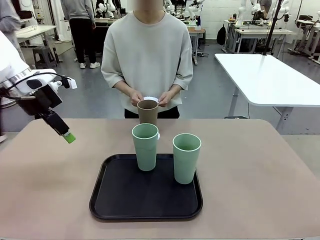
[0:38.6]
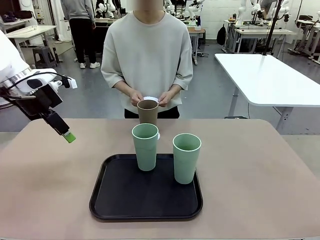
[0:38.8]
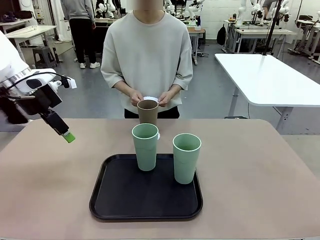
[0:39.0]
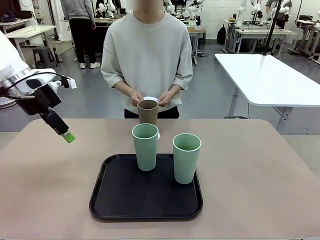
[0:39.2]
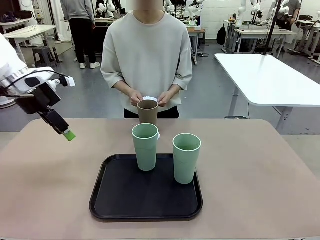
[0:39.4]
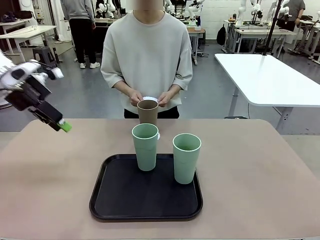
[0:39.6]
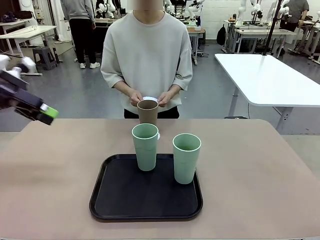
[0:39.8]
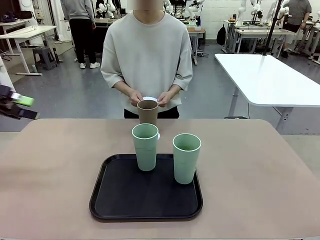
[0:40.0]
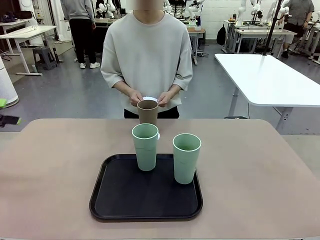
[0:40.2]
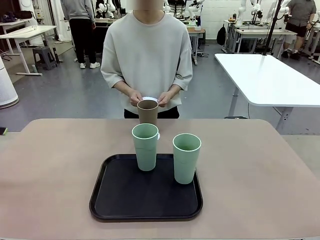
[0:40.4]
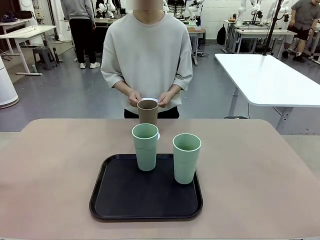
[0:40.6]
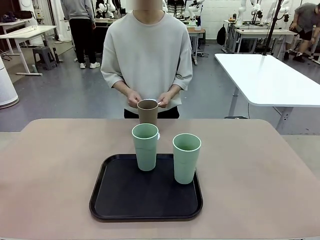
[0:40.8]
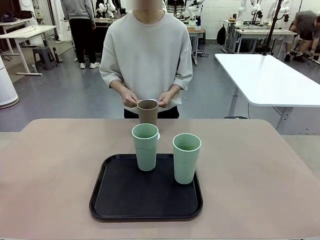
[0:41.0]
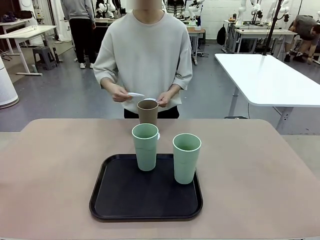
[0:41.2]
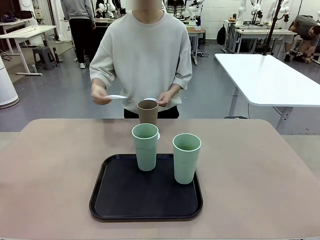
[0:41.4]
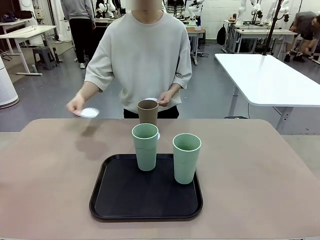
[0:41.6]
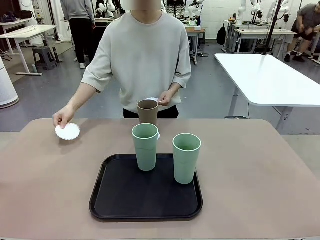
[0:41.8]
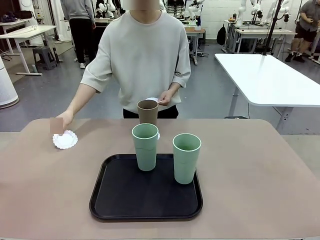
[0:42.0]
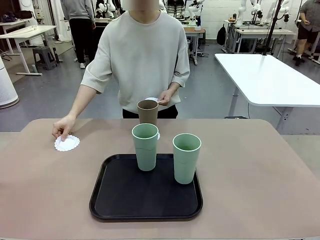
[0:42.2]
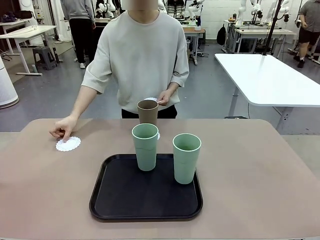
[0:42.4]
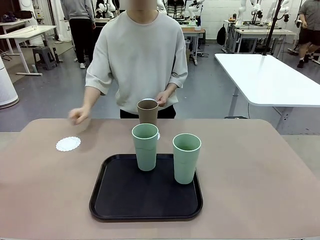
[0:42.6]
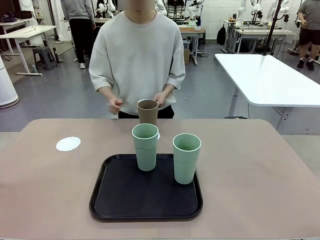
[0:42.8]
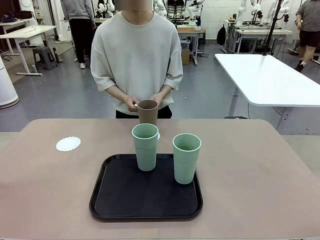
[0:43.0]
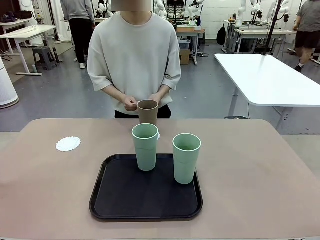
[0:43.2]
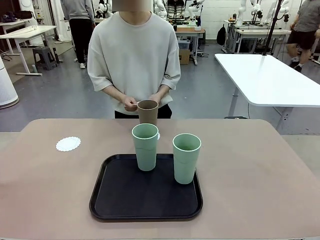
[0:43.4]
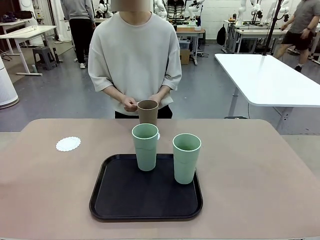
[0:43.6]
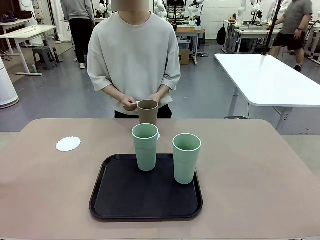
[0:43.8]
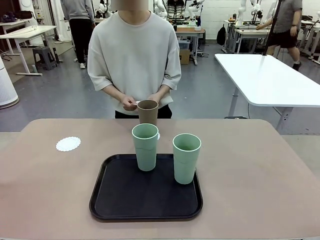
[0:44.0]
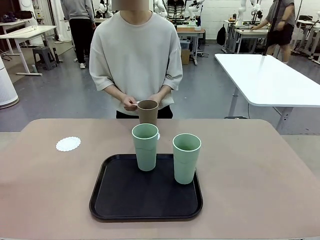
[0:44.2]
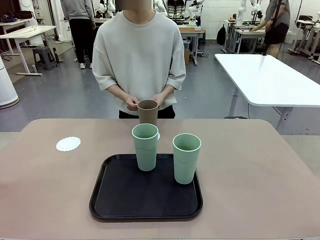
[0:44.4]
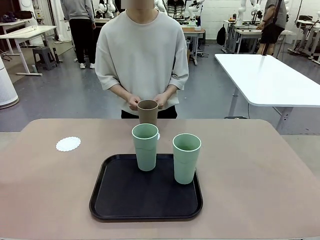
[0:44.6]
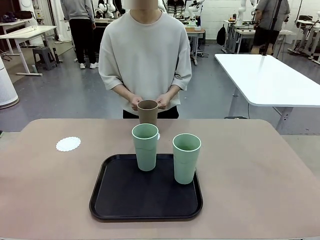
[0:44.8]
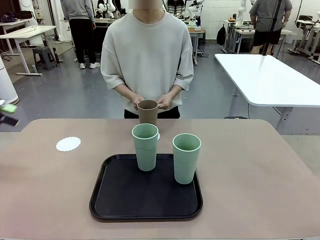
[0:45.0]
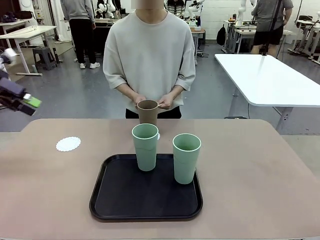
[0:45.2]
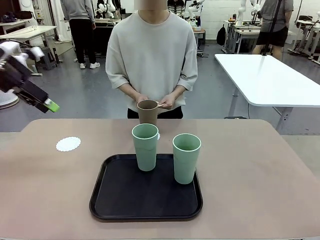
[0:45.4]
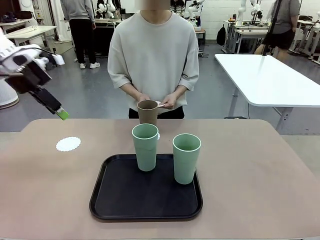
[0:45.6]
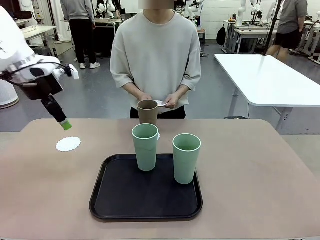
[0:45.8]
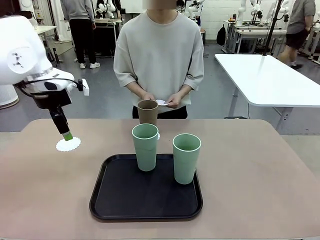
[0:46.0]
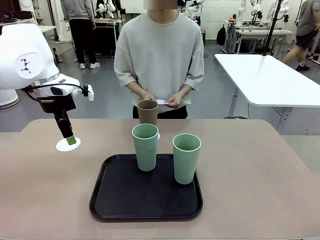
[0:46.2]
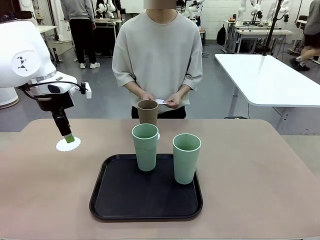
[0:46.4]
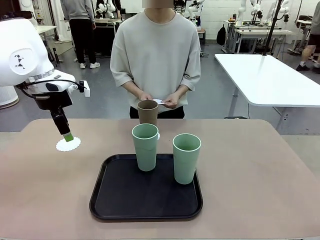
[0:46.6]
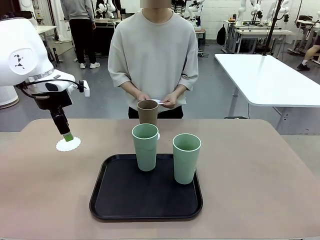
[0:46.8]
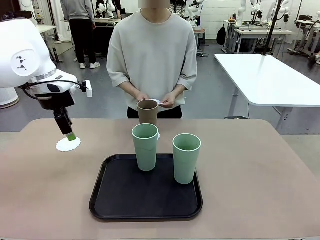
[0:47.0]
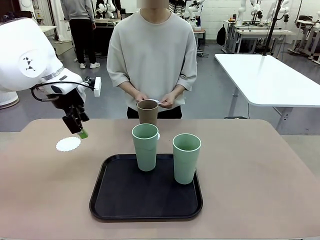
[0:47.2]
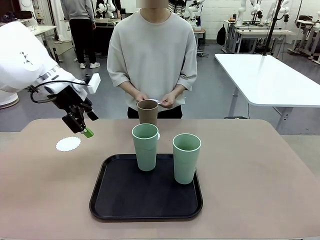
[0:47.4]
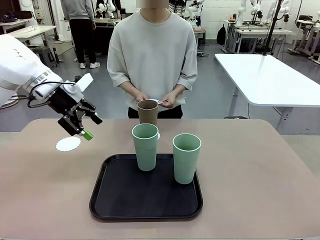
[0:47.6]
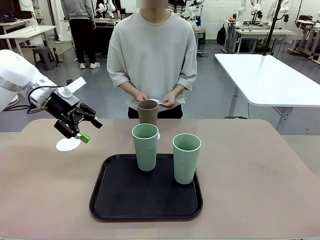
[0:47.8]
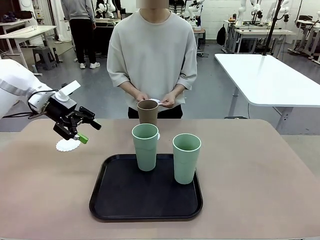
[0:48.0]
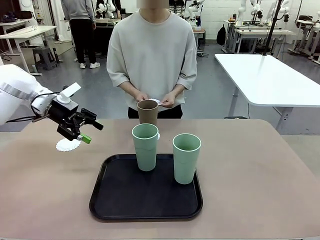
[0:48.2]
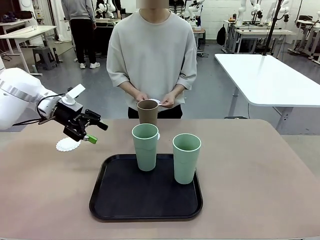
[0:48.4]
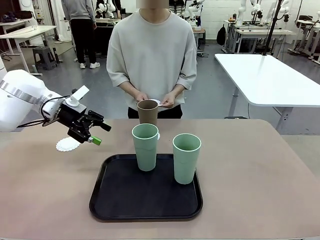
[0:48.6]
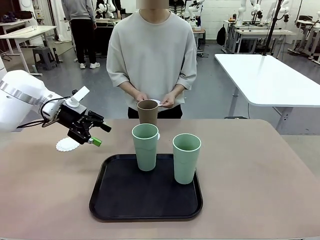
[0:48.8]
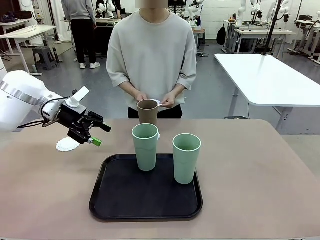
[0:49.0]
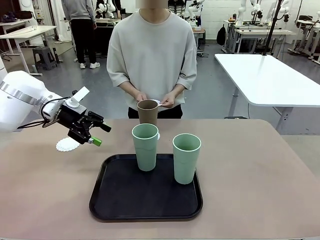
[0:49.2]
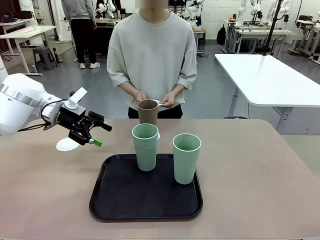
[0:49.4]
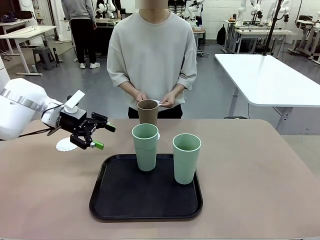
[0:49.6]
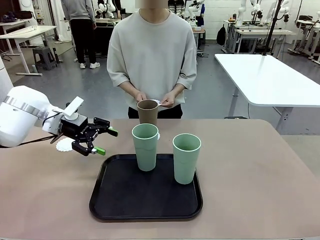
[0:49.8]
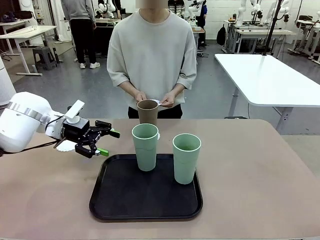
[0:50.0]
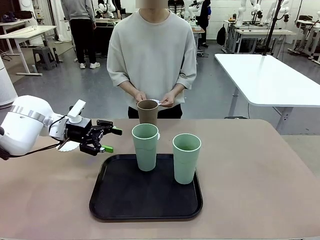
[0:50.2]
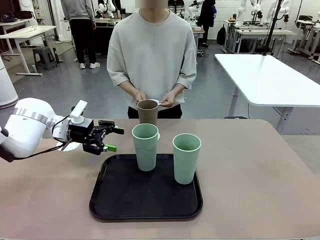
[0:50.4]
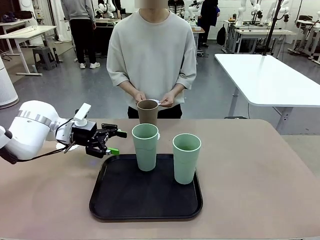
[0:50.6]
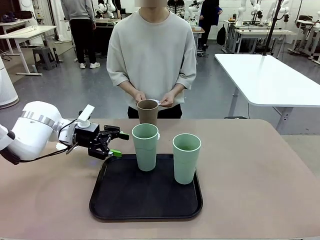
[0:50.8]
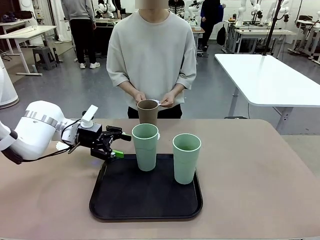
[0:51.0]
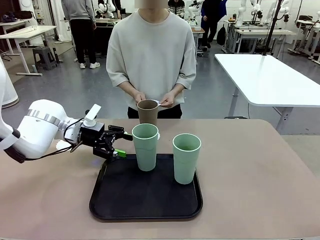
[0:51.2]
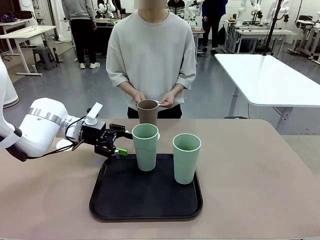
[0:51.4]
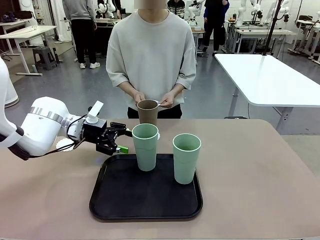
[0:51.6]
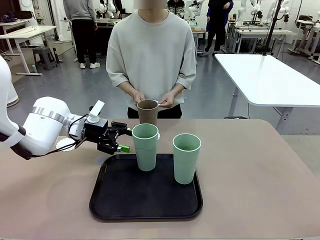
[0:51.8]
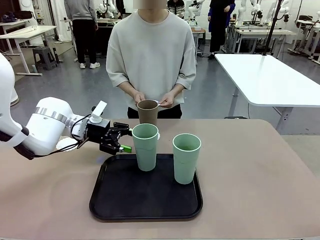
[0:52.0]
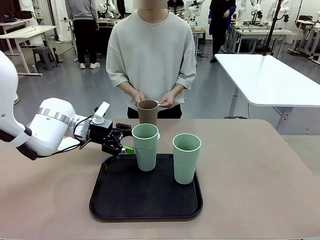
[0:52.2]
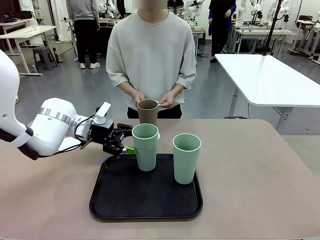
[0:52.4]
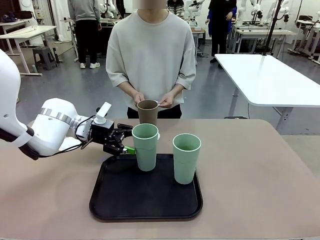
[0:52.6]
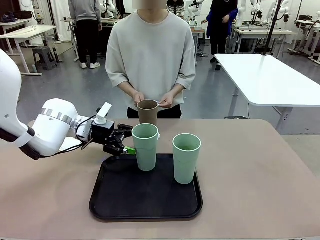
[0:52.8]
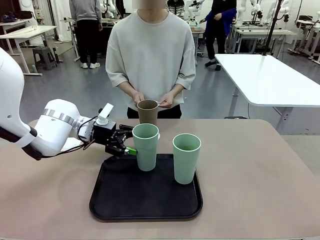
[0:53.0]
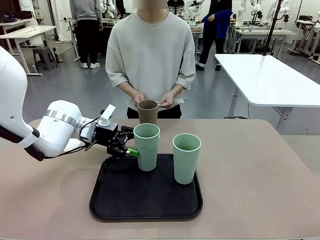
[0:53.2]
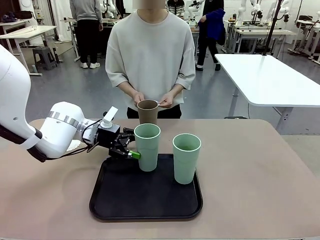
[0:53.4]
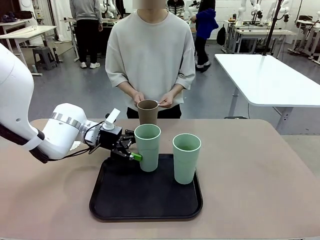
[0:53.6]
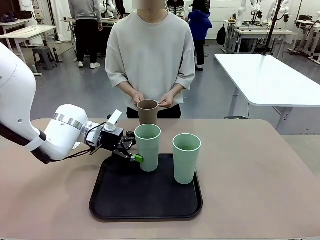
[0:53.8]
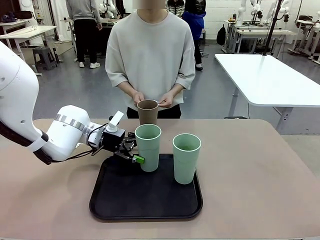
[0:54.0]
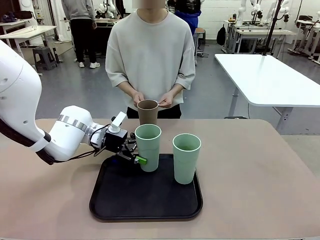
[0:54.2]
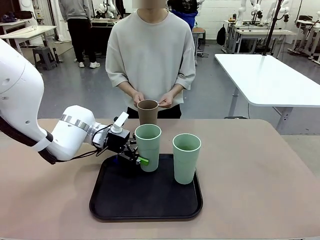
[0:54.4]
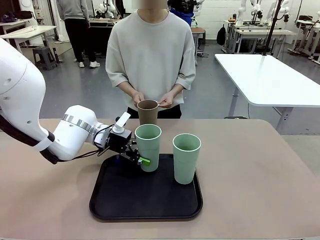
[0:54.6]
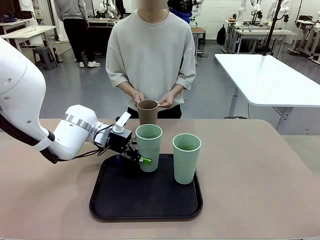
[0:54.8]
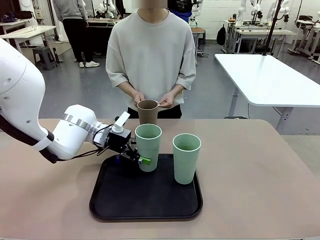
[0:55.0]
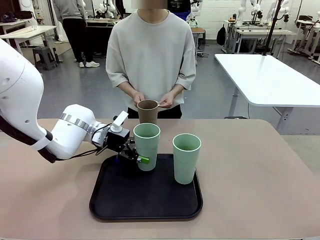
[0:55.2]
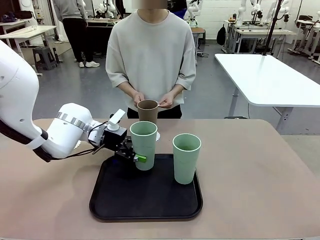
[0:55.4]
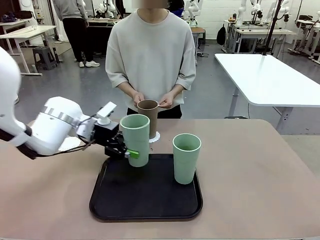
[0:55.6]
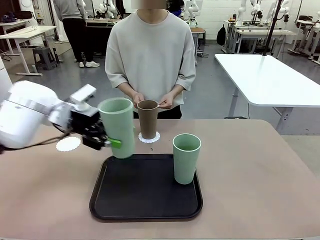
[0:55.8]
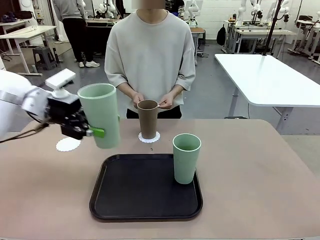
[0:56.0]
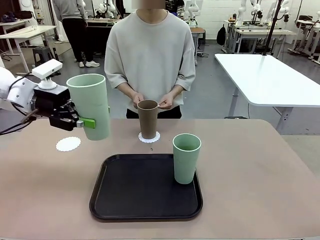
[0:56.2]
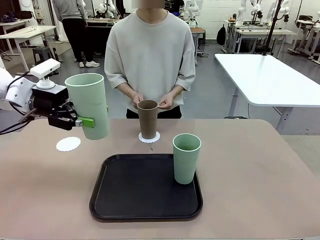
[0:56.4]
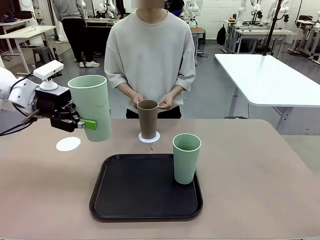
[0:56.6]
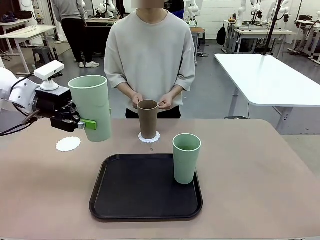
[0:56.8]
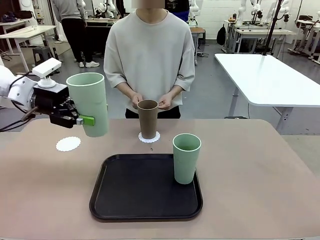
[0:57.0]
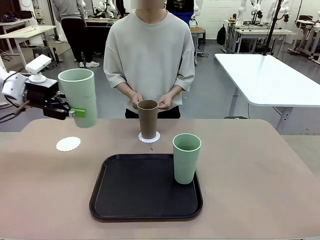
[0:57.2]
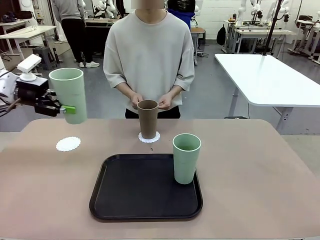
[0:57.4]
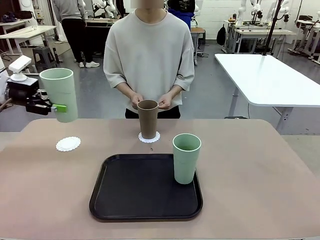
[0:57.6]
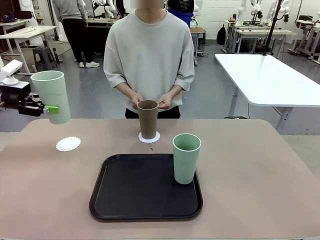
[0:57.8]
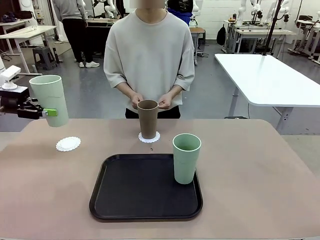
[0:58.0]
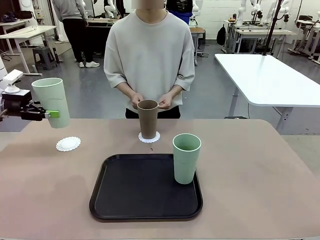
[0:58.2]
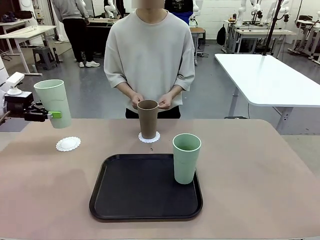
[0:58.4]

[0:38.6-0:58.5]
Task: Place coasters on the table and set cups on them.
Robot: Take one Reusable plastic cup from the Flat Tray and place it on a coaster set by the human.
